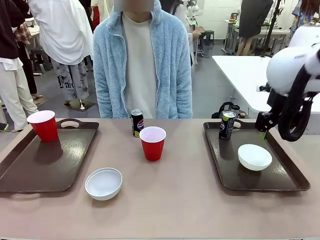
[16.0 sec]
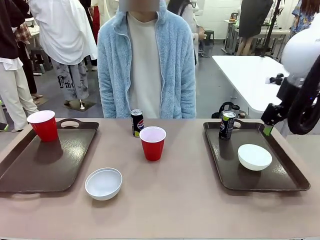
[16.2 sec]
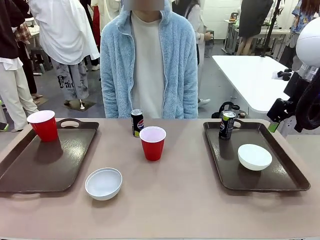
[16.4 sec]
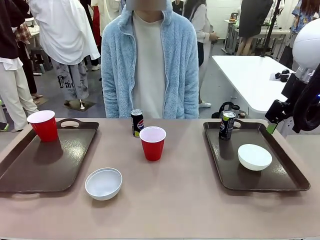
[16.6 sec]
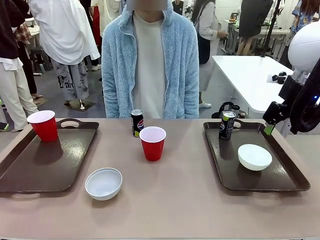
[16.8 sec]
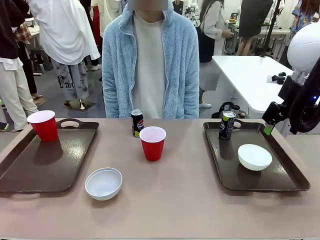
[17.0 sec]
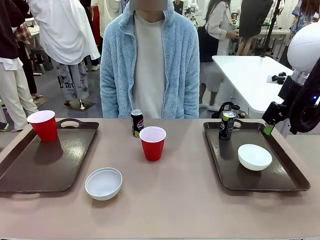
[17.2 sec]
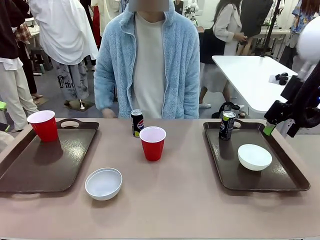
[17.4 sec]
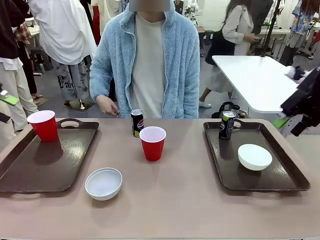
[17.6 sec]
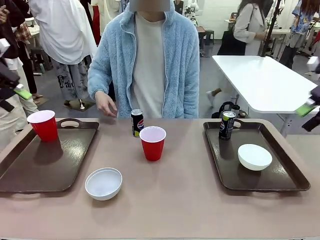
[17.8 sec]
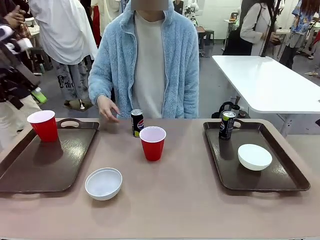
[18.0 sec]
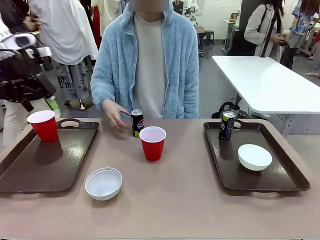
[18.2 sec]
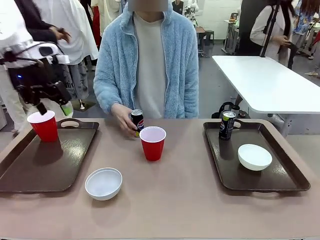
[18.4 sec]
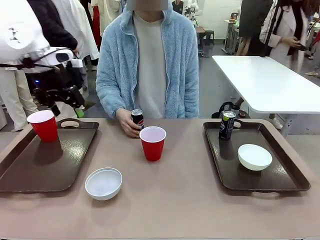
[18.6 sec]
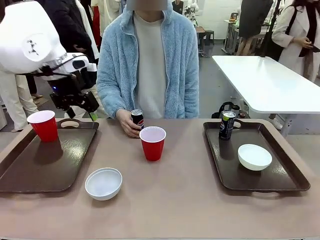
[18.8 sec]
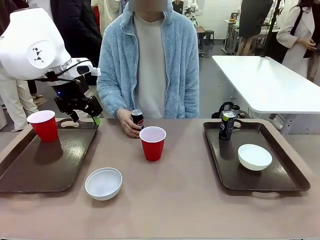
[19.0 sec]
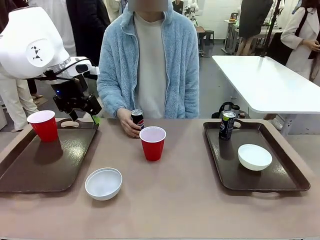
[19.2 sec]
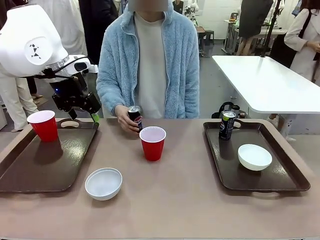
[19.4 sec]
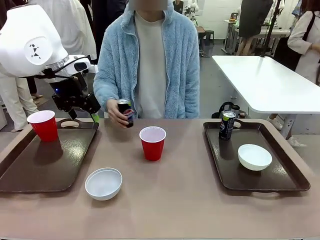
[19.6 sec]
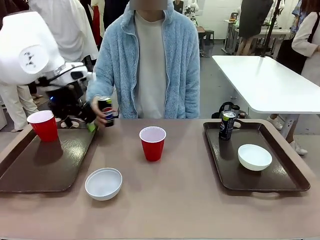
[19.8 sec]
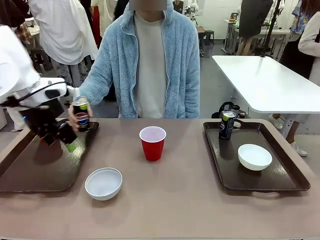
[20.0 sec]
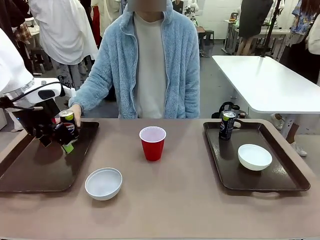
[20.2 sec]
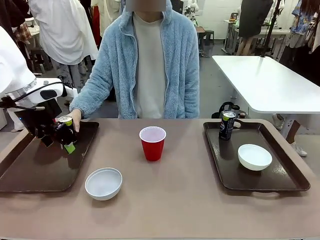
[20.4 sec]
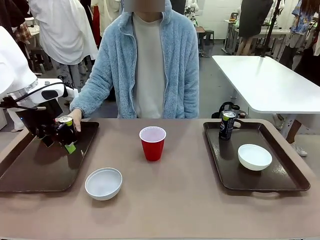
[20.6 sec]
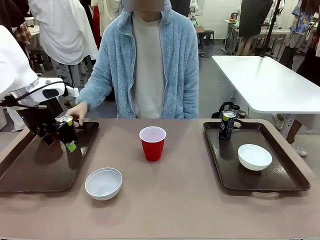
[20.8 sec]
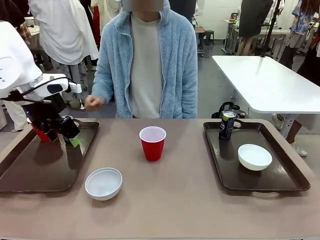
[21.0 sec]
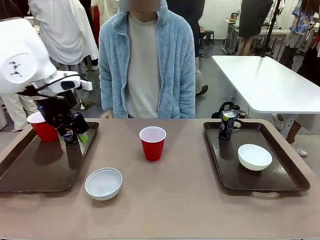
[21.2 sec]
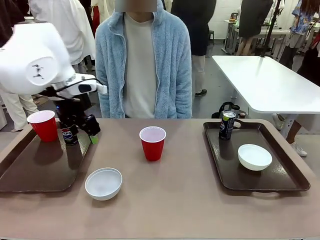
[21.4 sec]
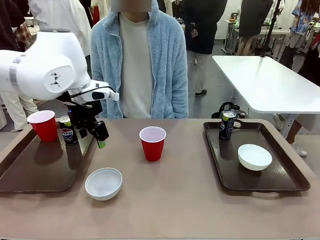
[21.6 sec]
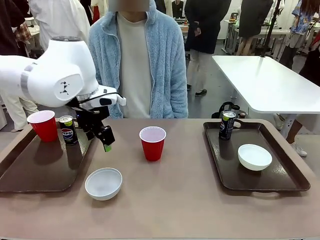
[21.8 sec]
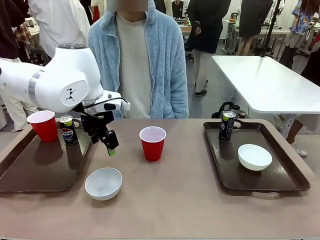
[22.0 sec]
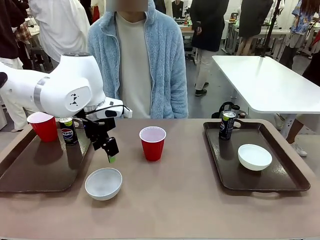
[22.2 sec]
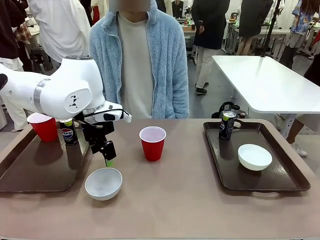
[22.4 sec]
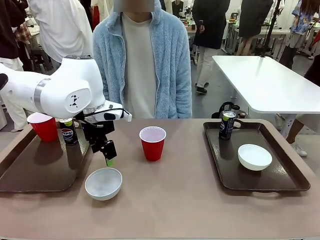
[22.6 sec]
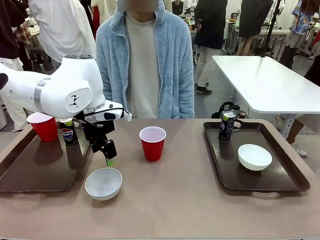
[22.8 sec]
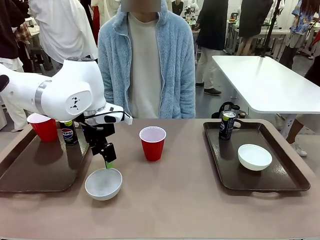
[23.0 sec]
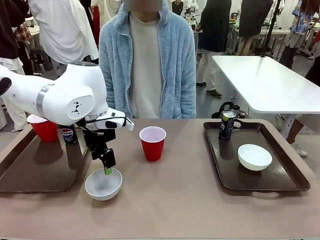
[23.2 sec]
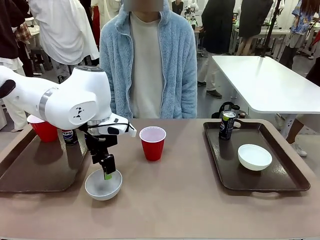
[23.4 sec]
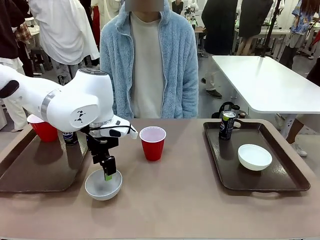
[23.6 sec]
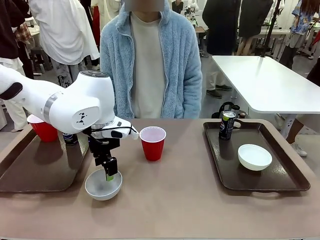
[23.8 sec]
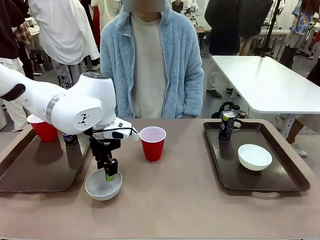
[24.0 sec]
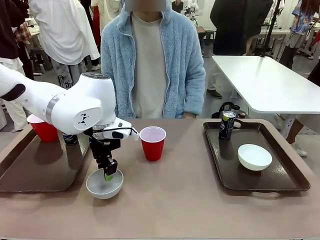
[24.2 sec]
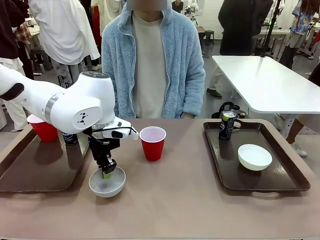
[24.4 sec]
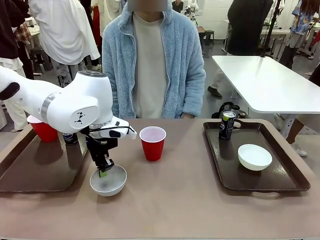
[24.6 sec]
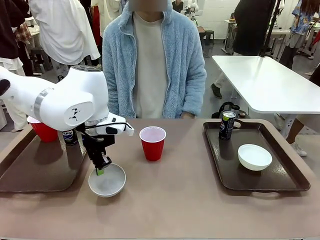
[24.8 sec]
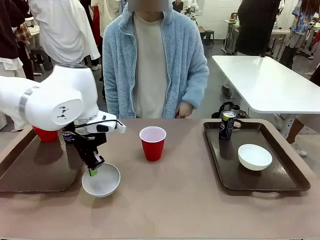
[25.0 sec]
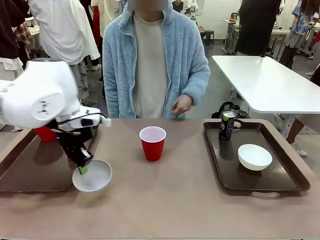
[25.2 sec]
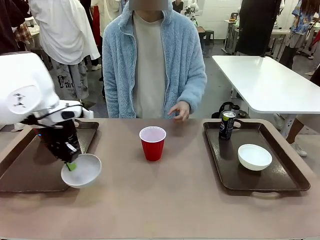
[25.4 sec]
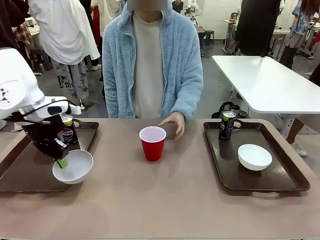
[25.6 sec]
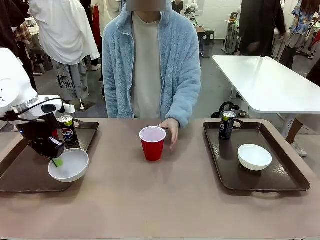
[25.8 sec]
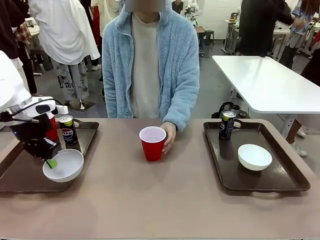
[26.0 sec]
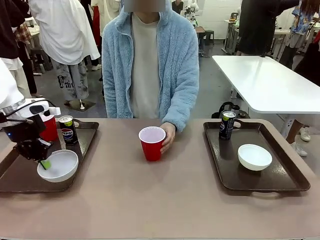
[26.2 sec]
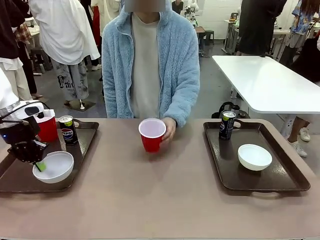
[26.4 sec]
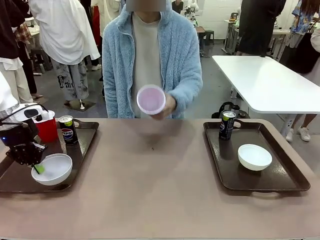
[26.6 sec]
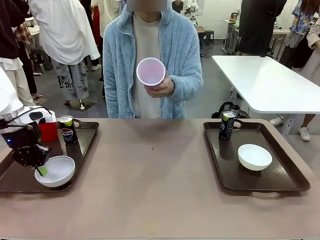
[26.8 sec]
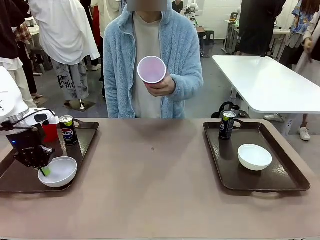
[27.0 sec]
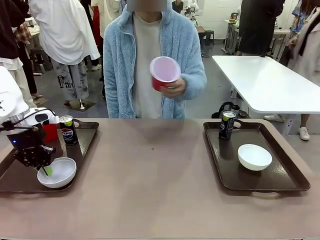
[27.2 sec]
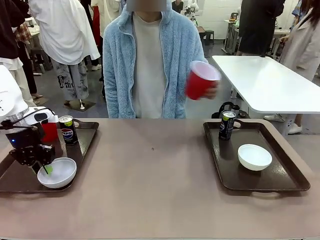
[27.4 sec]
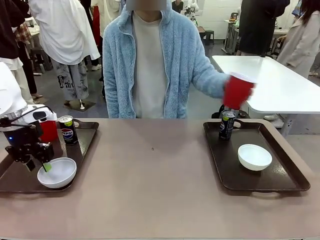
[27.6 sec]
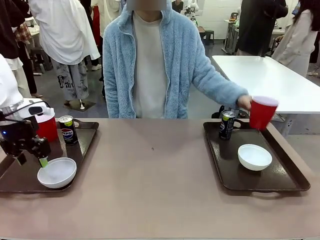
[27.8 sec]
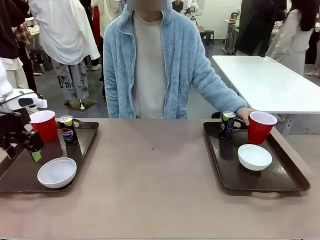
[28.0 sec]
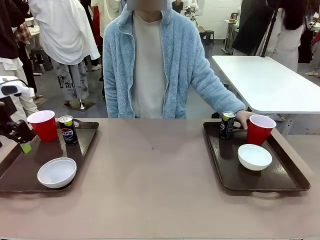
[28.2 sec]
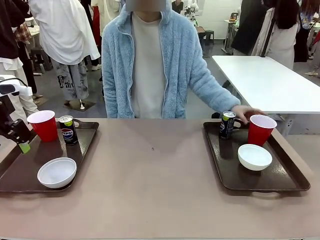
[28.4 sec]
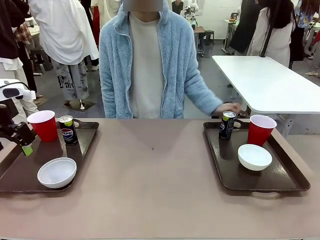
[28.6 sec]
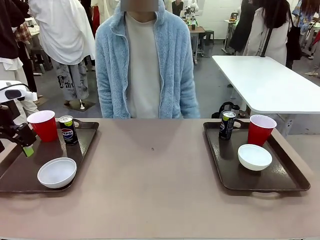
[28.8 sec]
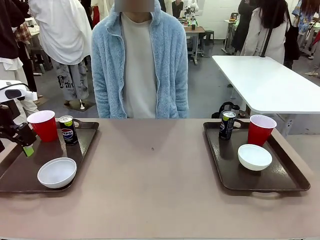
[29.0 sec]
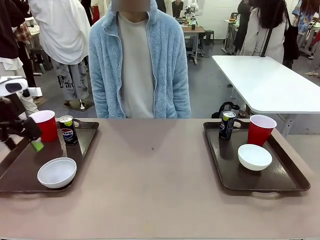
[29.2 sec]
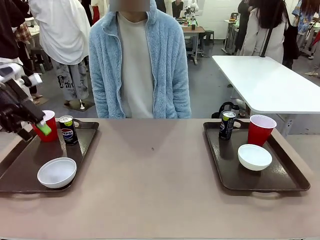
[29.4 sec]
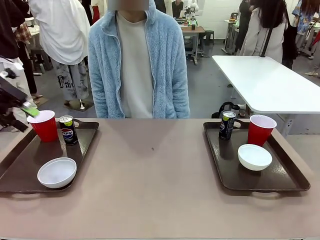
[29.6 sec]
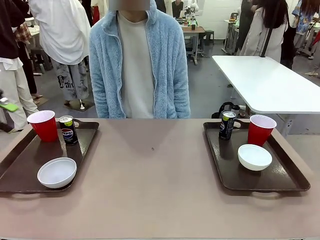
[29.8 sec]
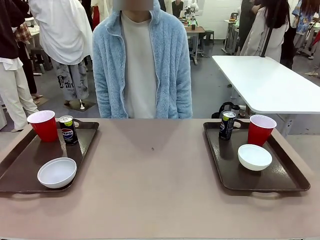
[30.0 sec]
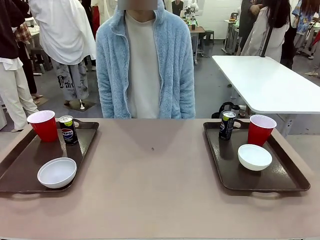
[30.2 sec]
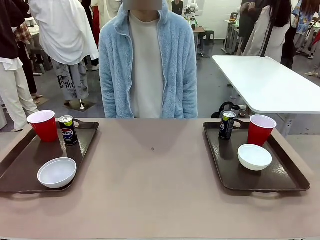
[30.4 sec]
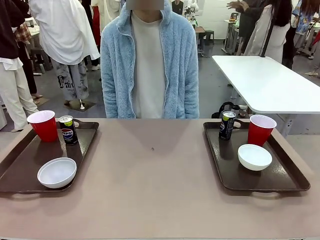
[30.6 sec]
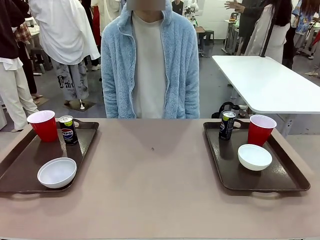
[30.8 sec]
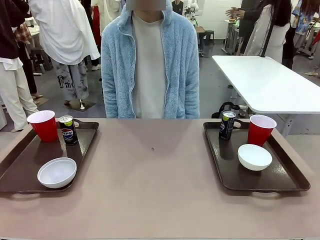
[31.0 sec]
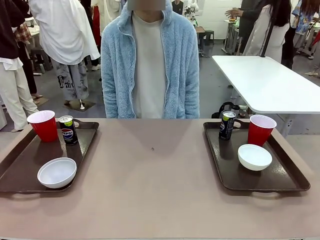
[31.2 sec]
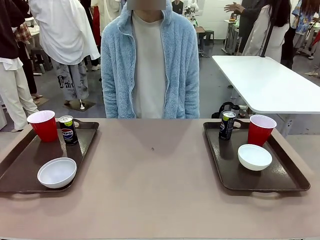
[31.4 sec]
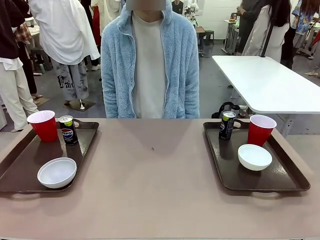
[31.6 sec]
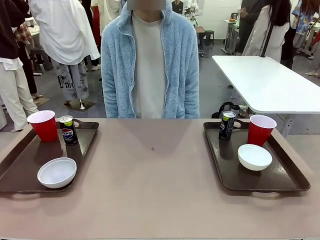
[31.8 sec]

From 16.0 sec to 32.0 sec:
Task: Prepare tableware on both trays.
Robot: Pick up a Picnic Bowl from the table and place it on a Handle tray.
Person: Pick up a can or cup and place it on the tray without a can or cup.

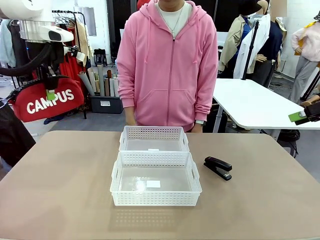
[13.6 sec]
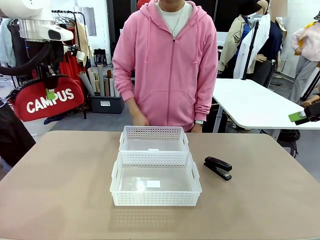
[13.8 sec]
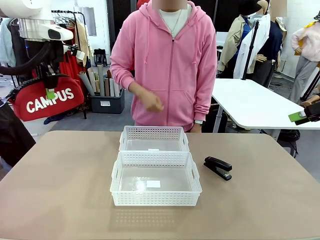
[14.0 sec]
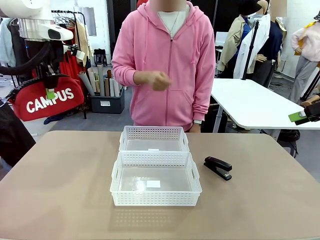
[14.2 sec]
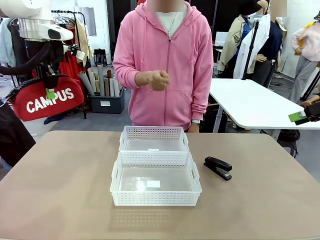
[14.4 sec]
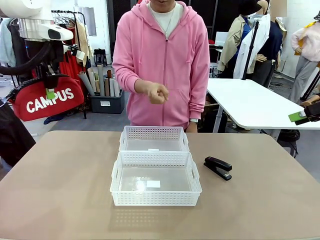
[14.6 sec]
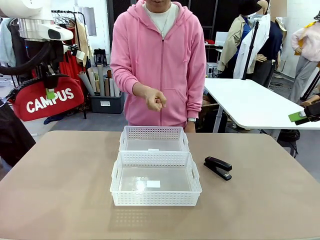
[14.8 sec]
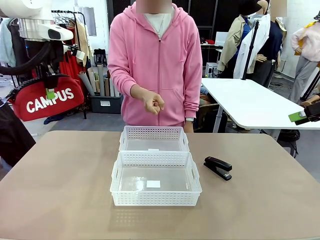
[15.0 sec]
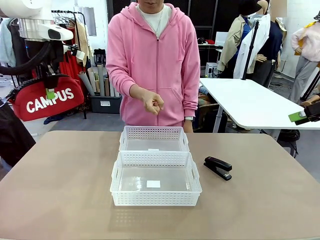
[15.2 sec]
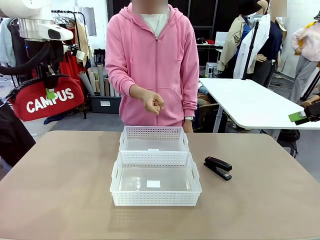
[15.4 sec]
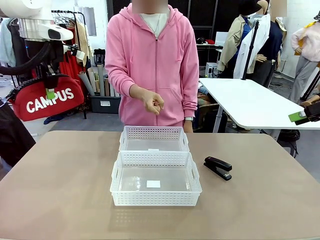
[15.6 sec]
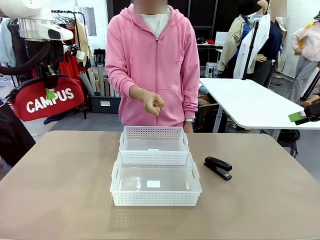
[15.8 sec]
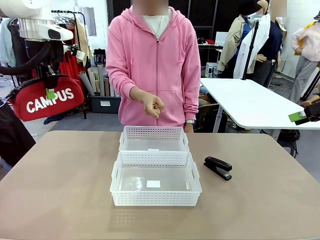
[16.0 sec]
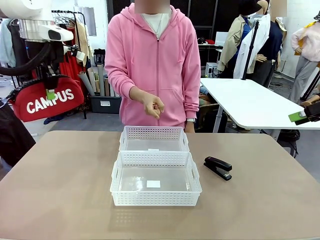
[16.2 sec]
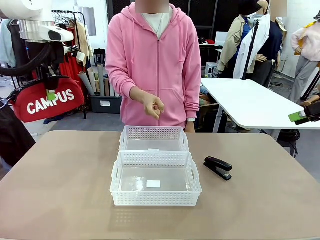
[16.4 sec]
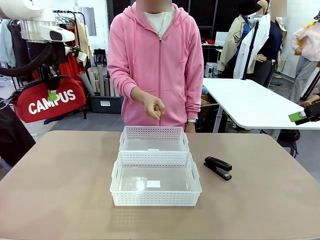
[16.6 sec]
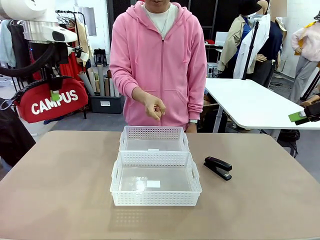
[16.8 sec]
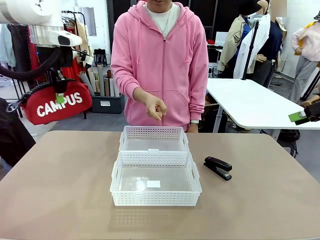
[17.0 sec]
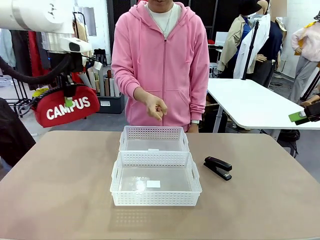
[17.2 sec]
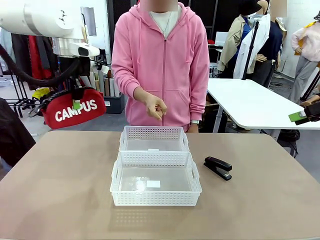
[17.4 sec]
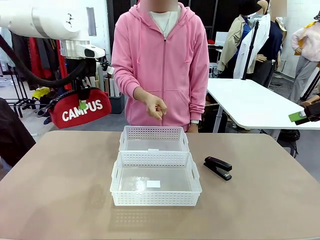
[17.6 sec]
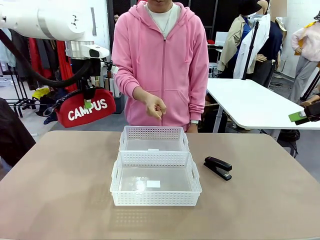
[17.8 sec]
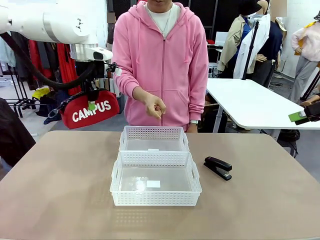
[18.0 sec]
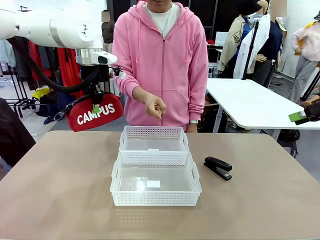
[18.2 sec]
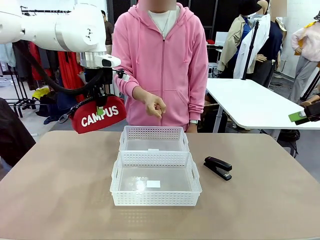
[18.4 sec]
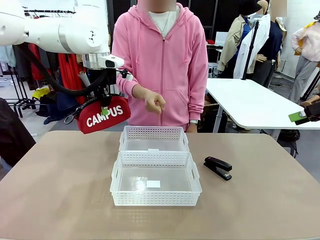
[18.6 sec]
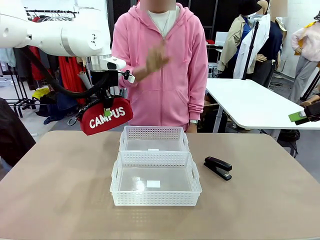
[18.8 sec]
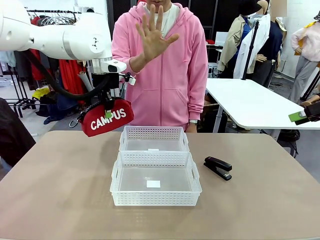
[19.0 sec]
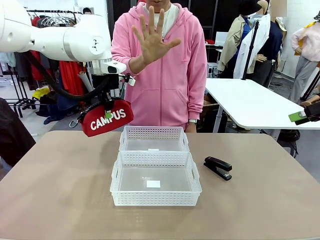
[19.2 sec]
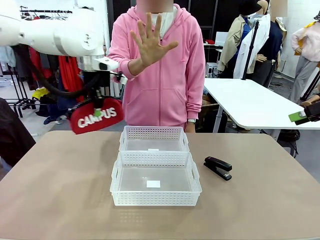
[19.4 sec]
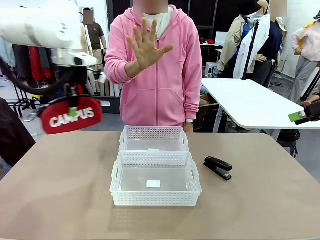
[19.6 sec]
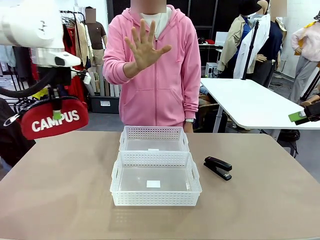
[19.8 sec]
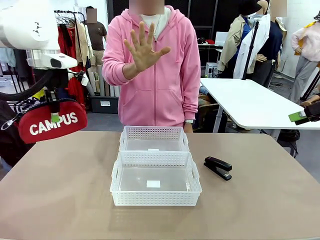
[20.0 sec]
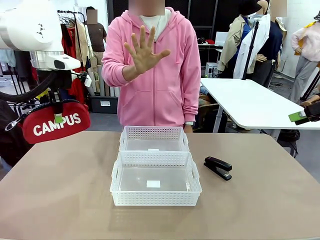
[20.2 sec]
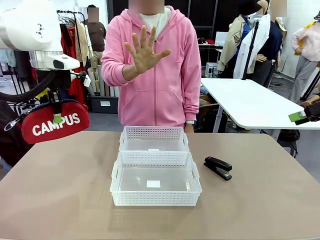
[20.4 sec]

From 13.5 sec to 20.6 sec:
Task: Distribute items into two baskets.
Robot: Move the picked Pencil pouch towards the Organizing basket indicated by the person, stopping as directed.
Person: Sends a stop gesture before the robot places the pencil case into the basket.
